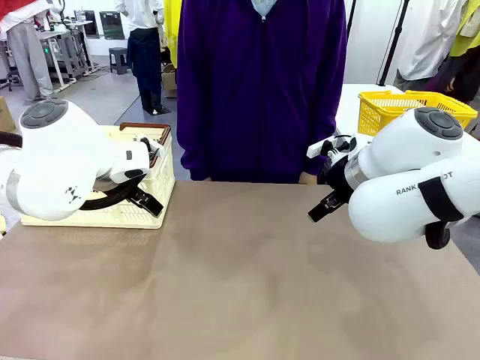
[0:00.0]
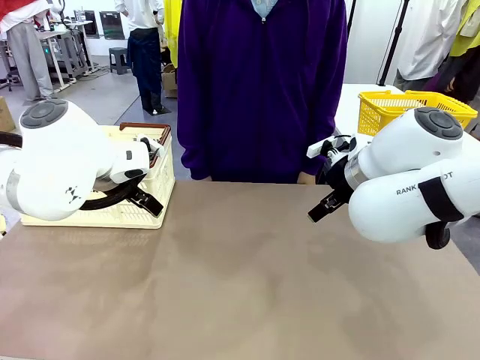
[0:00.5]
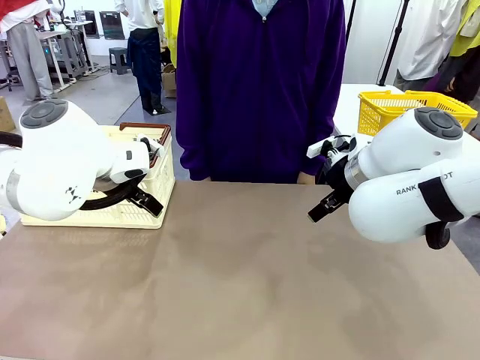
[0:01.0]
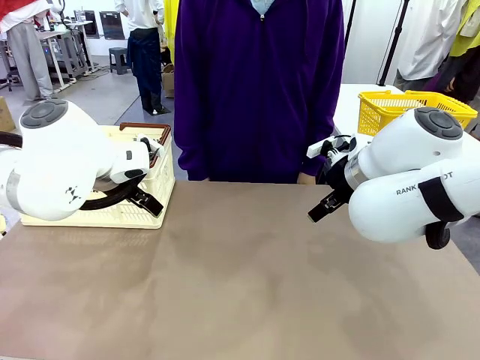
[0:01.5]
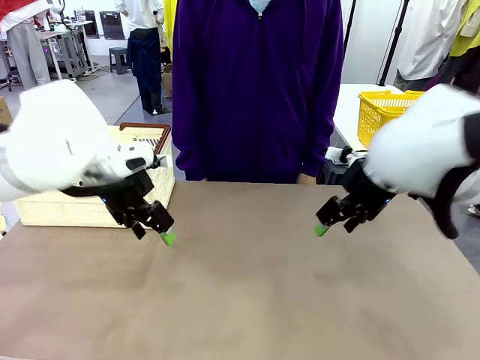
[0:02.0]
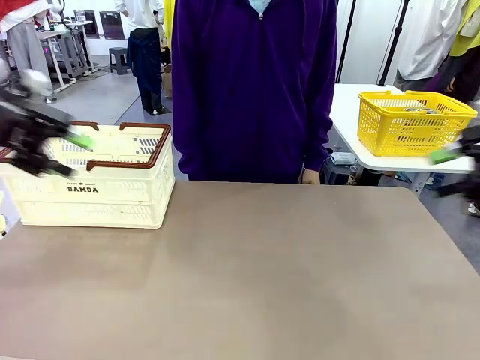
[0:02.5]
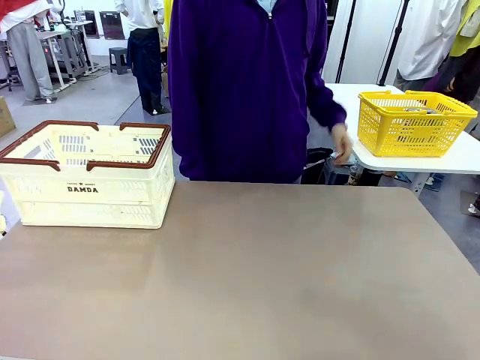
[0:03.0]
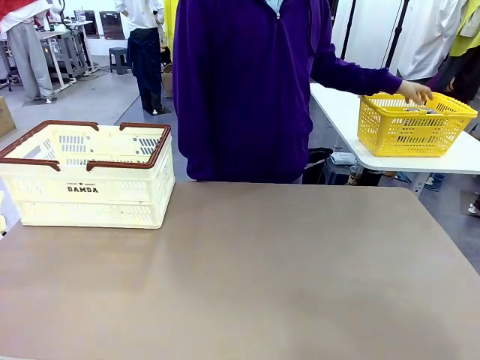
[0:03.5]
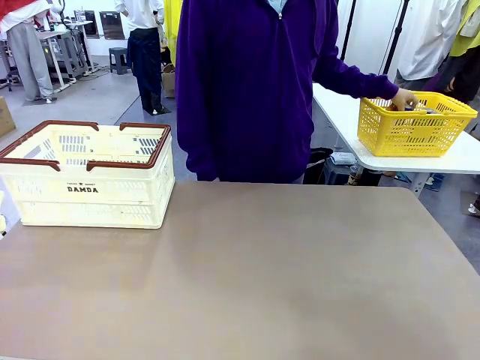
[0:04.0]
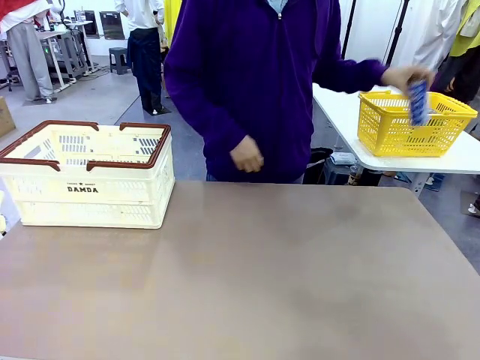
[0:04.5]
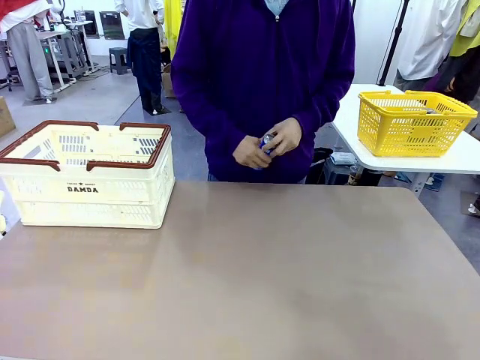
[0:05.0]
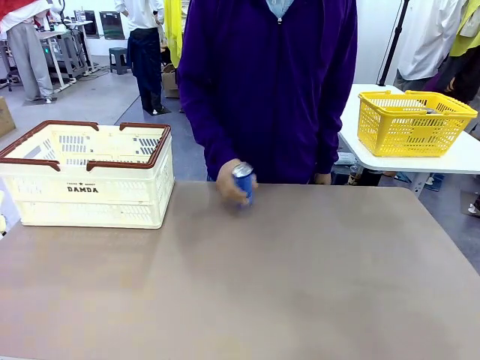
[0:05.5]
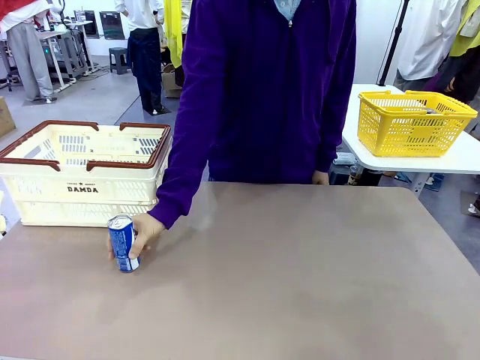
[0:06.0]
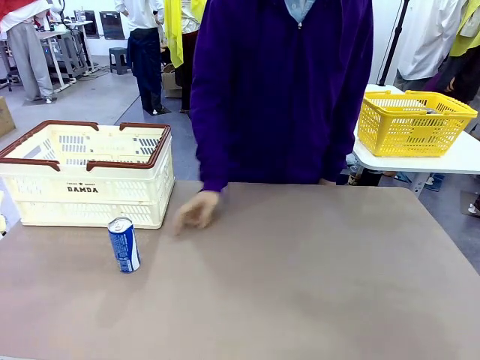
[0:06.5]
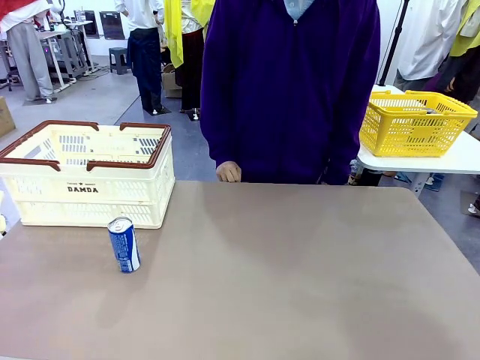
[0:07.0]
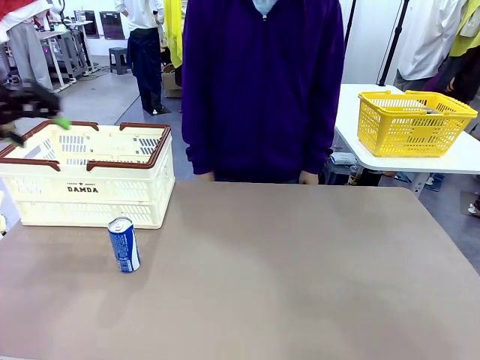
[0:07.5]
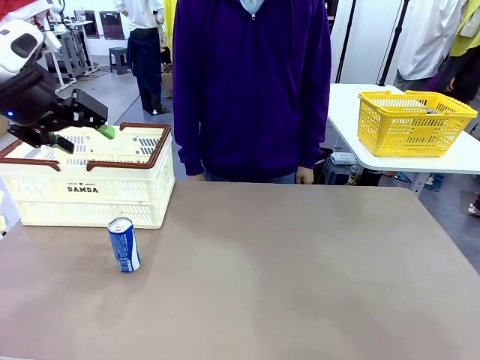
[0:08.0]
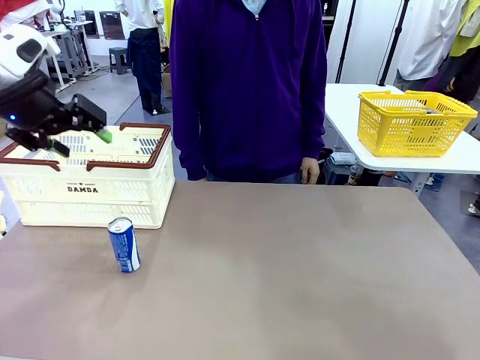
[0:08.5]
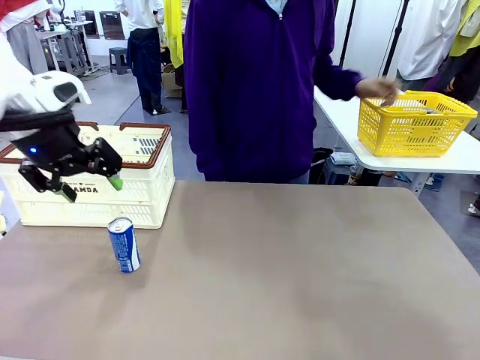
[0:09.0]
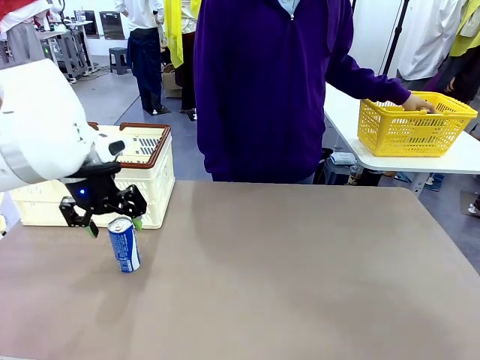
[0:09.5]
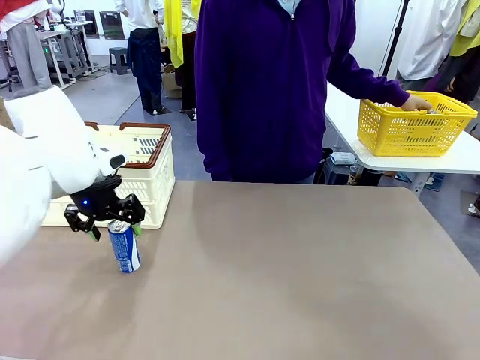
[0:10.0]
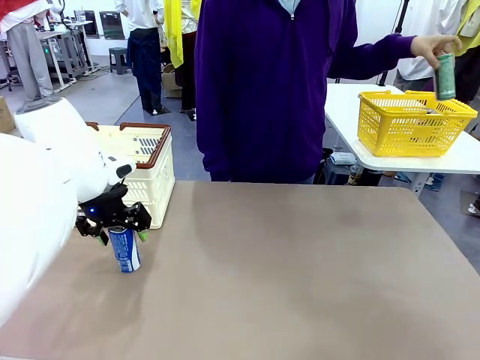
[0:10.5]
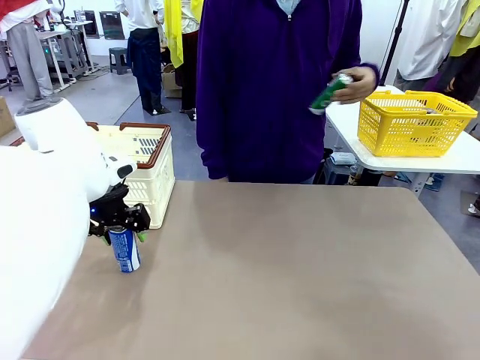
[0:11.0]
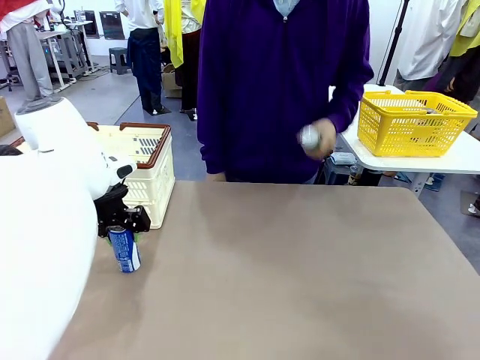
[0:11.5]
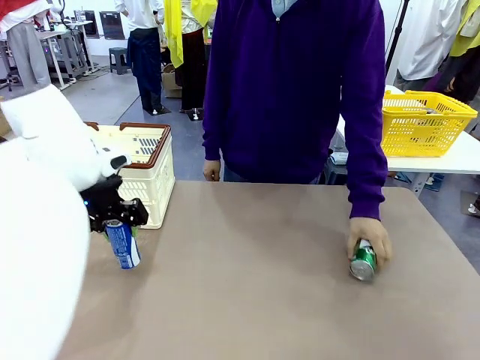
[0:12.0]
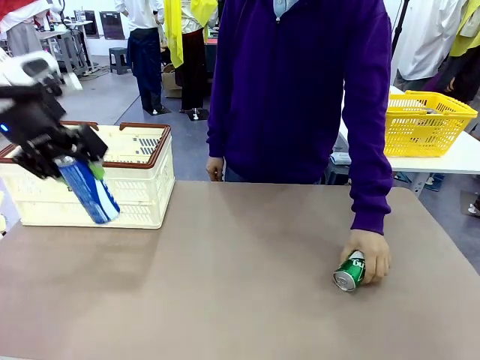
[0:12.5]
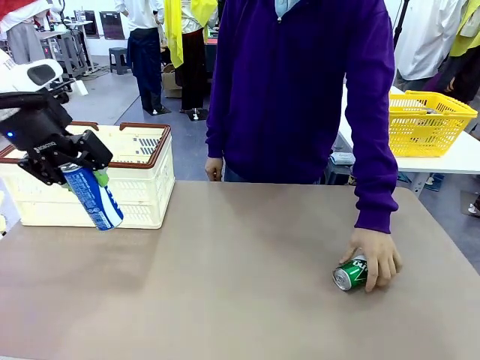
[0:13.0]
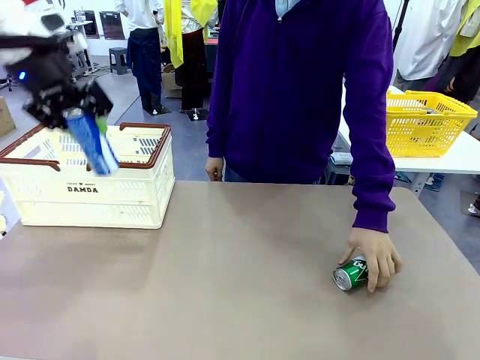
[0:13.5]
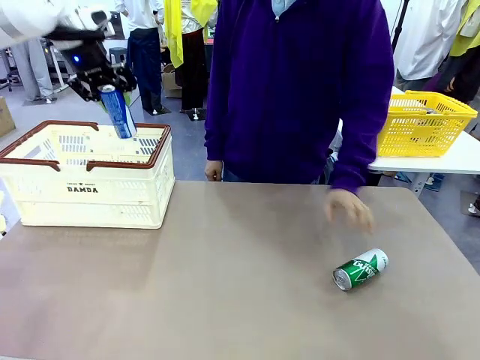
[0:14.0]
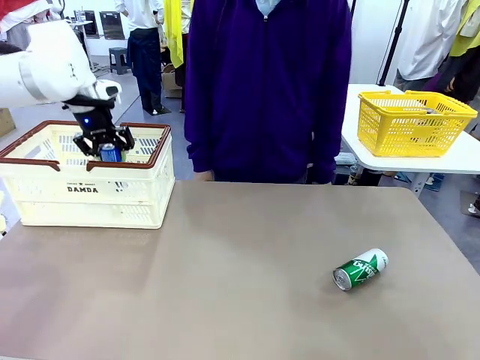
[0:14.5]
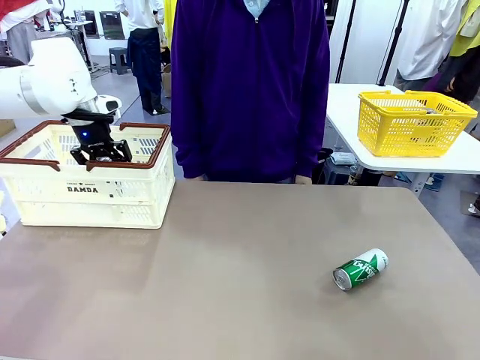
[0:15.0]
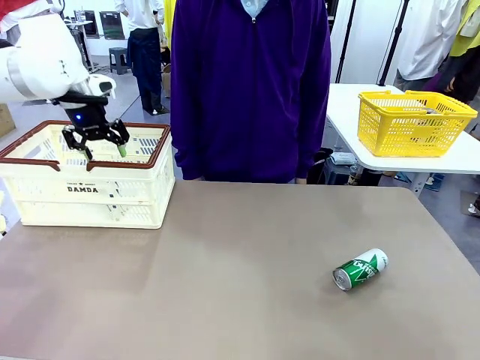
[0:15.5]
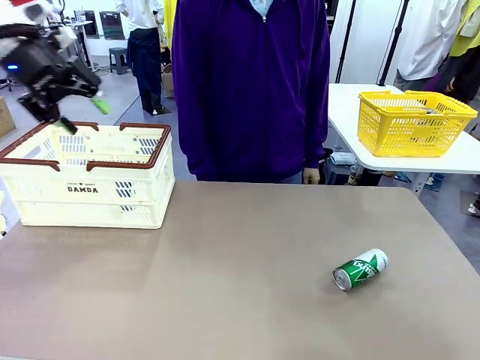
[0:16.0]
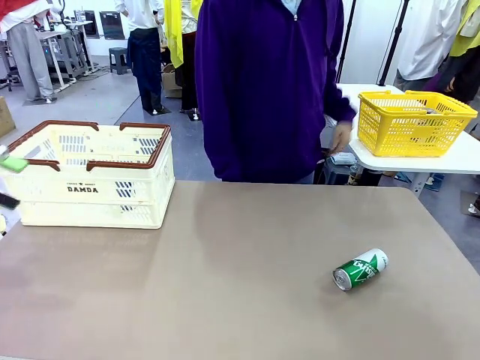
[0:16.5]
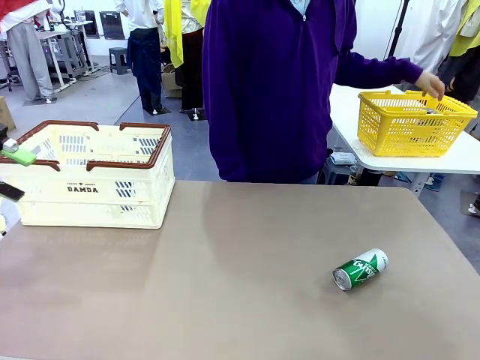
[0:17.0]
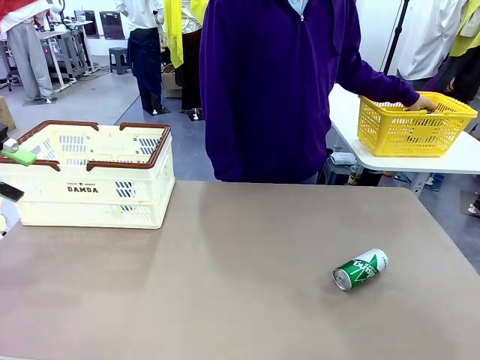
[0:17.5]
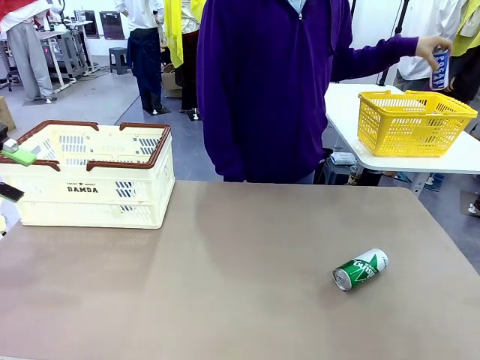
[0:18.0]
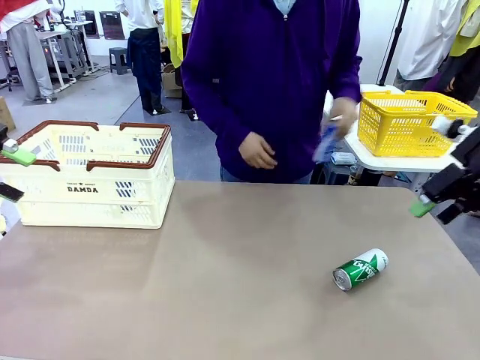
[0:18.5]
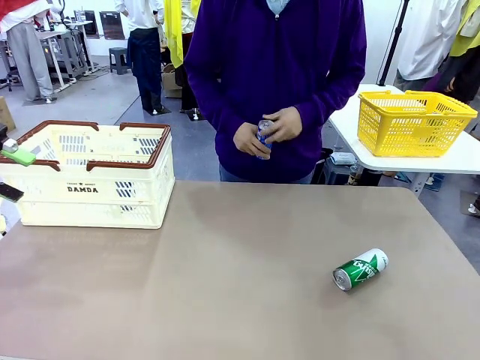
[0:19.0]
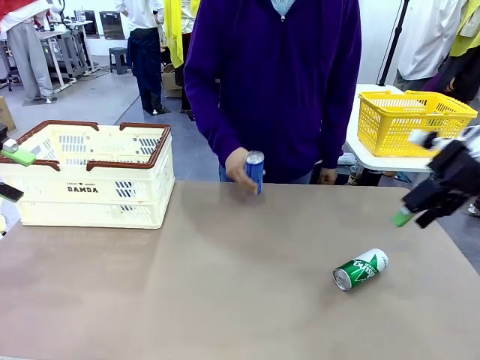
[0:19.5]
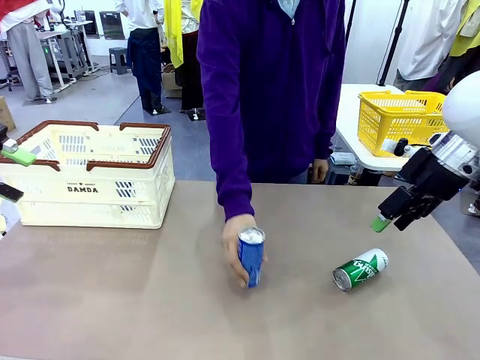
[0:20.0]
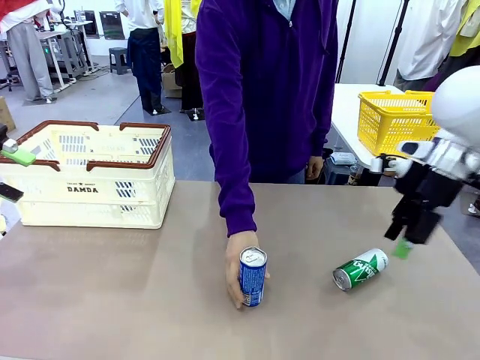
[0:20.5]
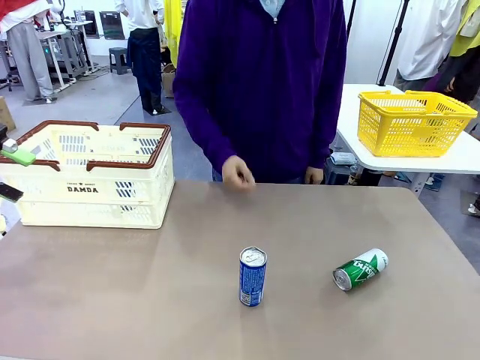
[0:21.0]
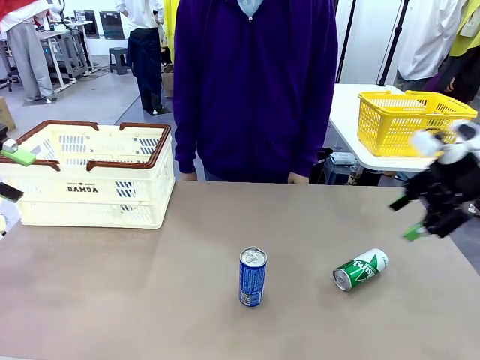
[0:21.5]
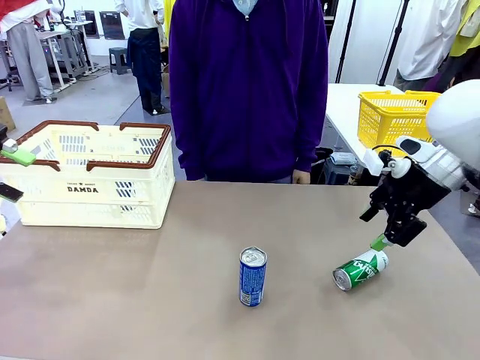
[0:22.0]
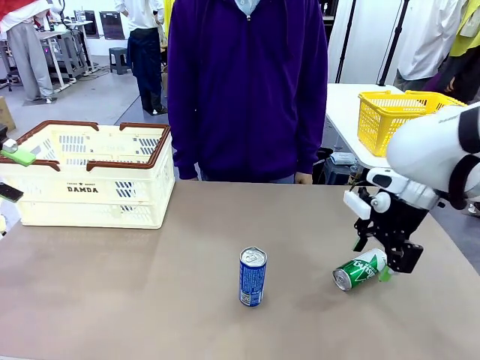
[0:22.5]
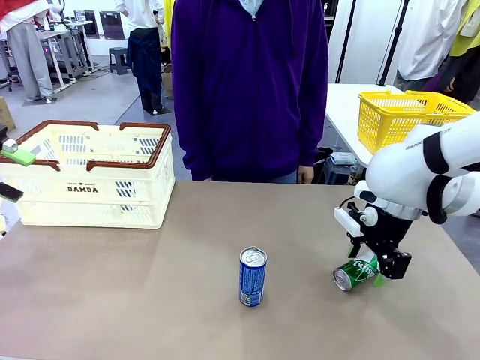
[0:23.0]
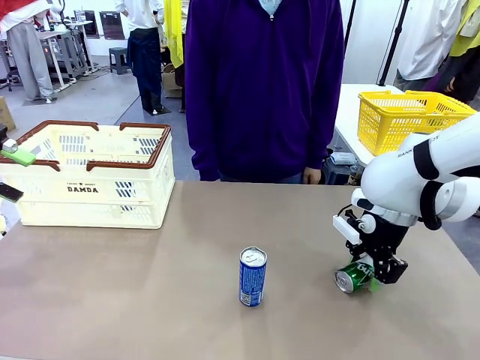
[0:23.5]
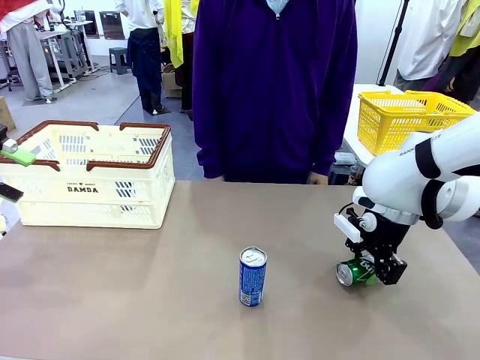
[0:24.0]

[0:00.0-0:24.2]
Task: Place the drinks into the Shopping basket.
Robot: Pick up one drink and place it into the Shopping basket.
